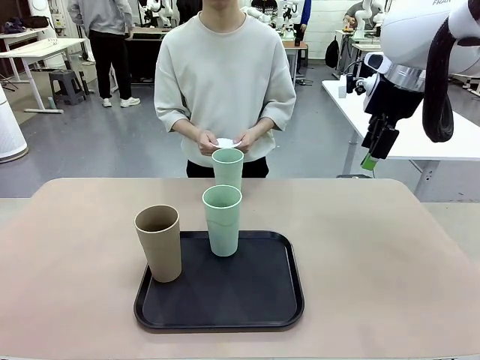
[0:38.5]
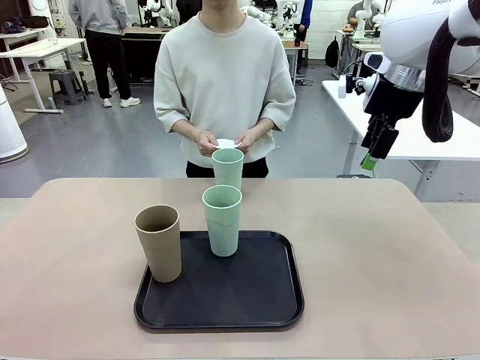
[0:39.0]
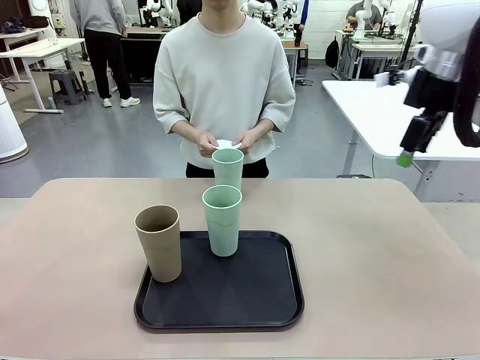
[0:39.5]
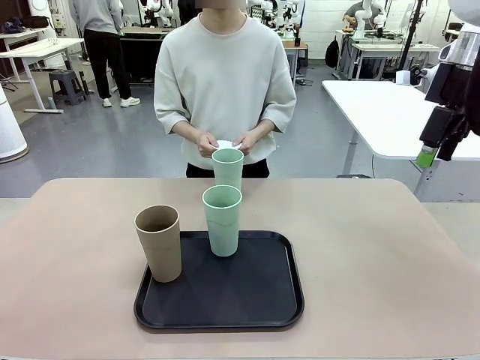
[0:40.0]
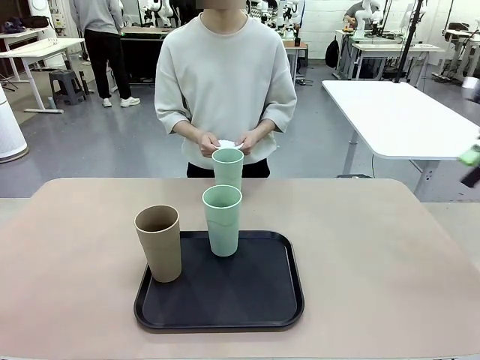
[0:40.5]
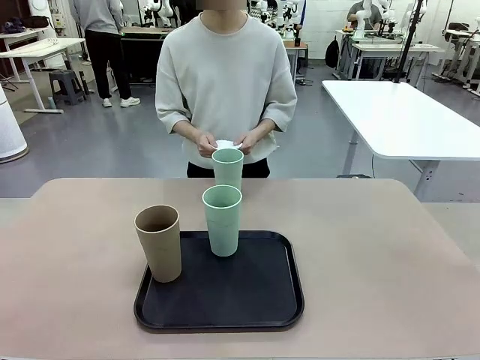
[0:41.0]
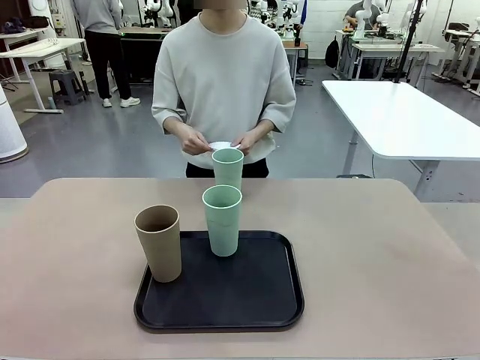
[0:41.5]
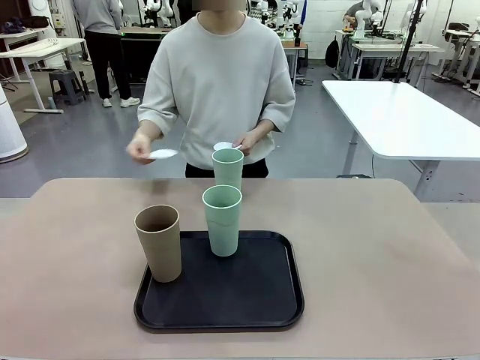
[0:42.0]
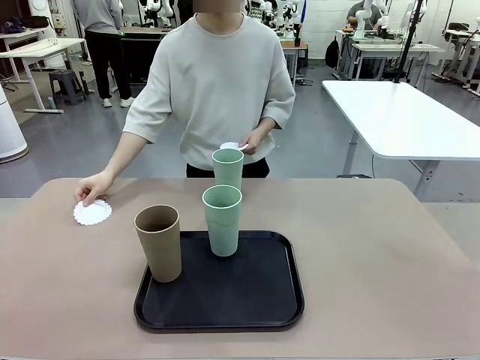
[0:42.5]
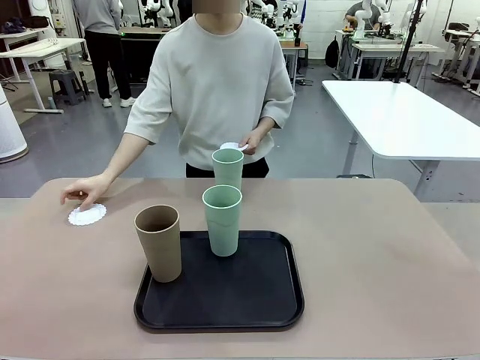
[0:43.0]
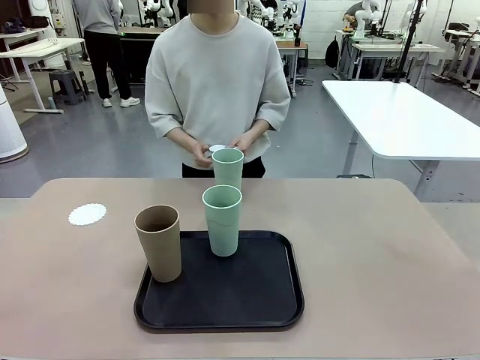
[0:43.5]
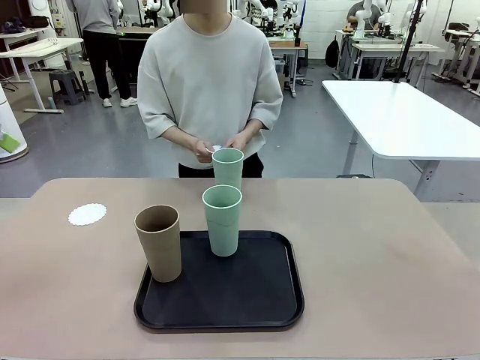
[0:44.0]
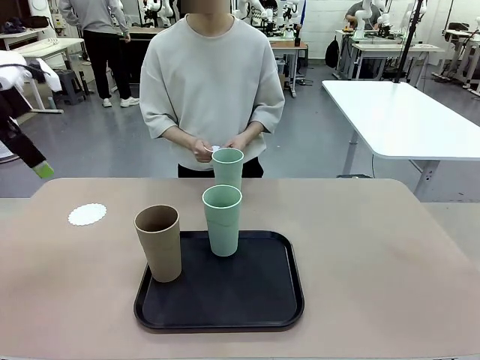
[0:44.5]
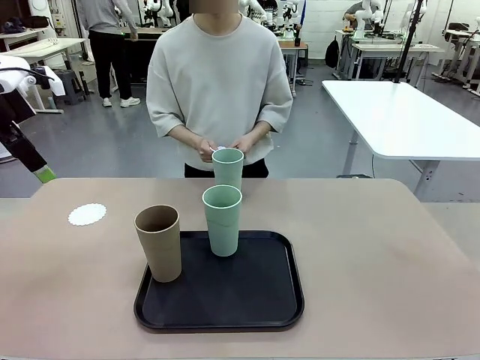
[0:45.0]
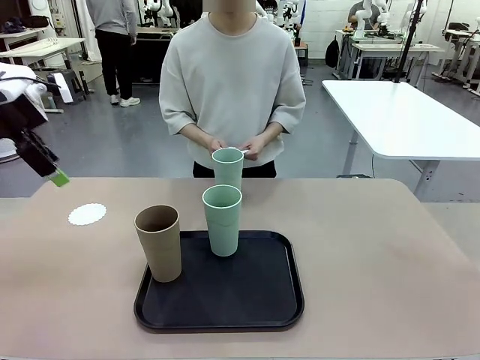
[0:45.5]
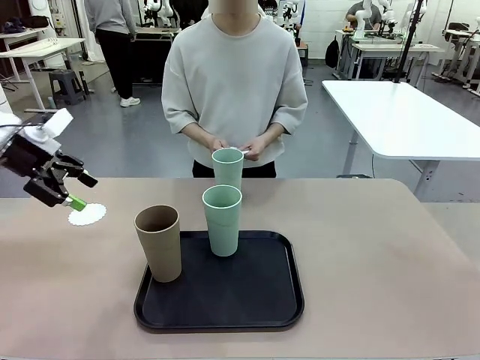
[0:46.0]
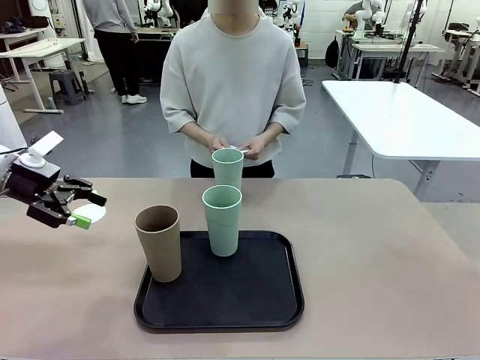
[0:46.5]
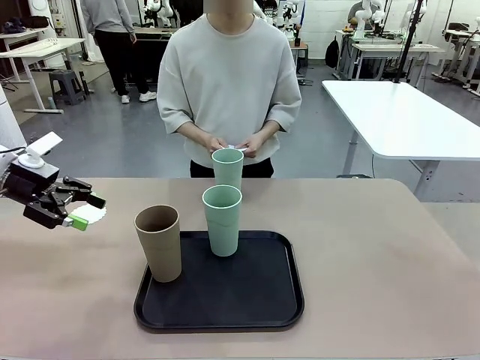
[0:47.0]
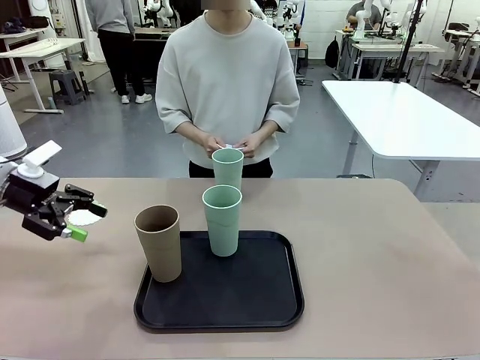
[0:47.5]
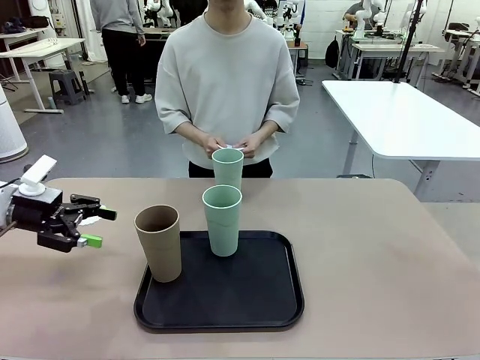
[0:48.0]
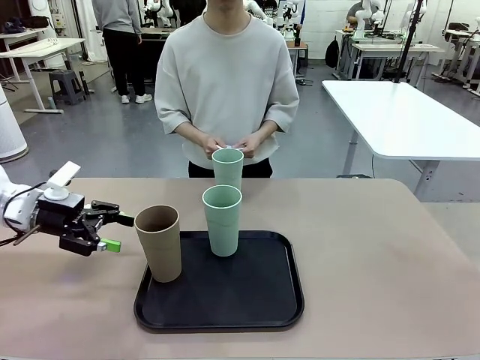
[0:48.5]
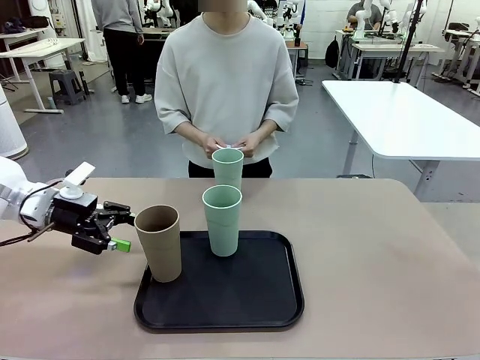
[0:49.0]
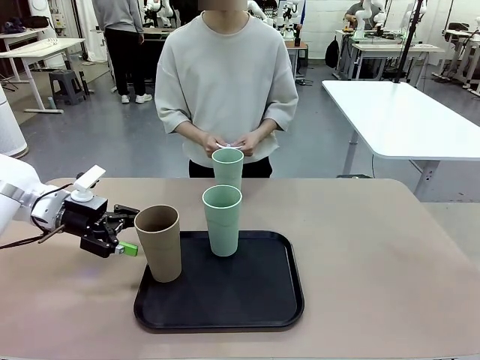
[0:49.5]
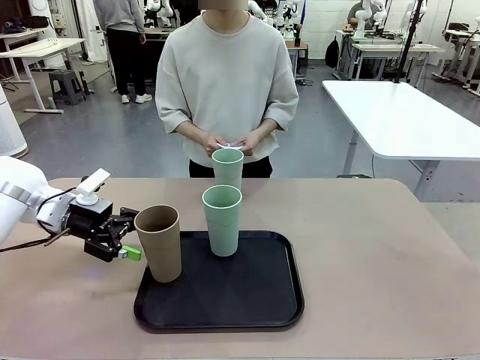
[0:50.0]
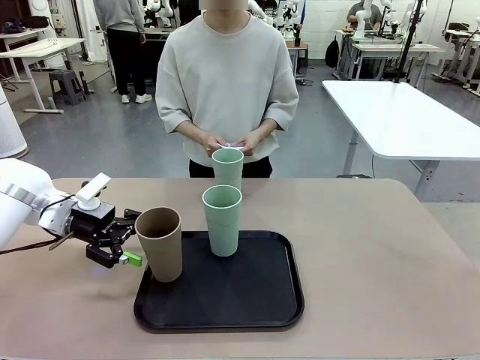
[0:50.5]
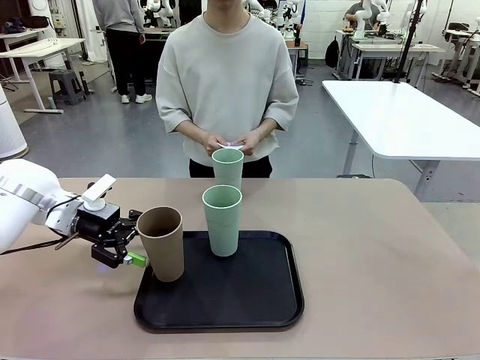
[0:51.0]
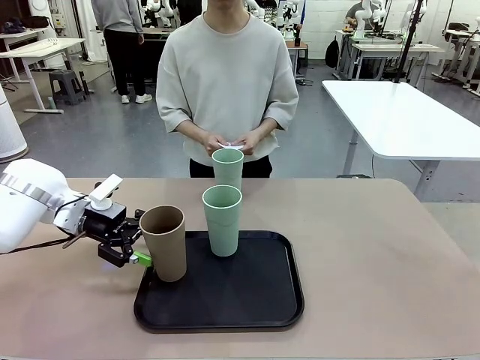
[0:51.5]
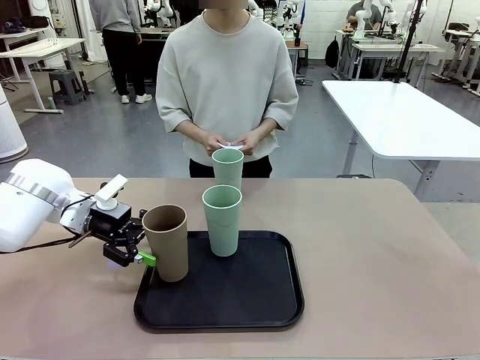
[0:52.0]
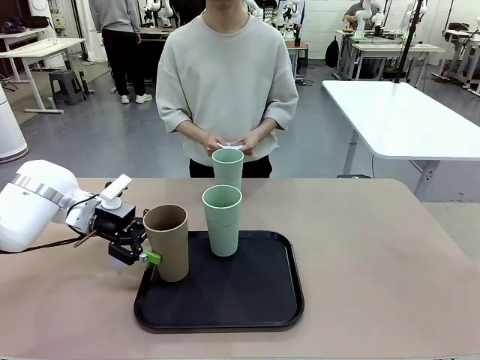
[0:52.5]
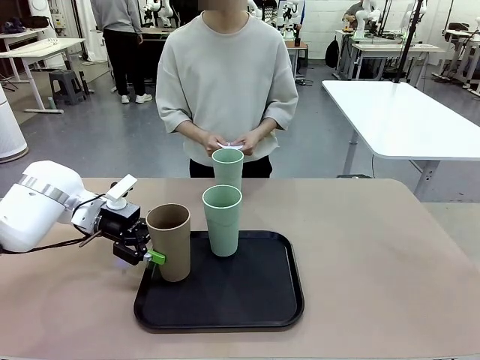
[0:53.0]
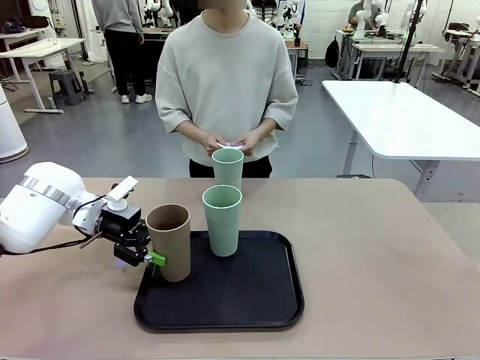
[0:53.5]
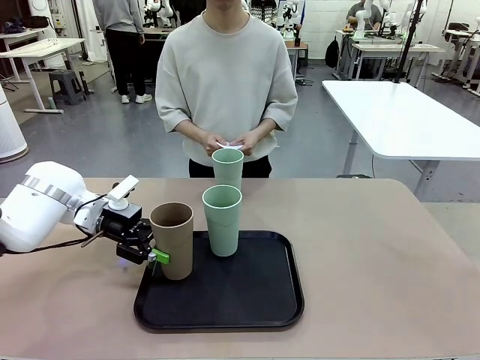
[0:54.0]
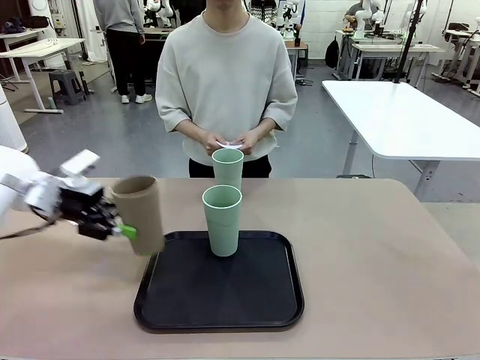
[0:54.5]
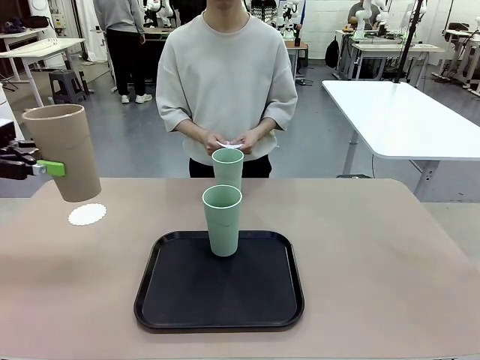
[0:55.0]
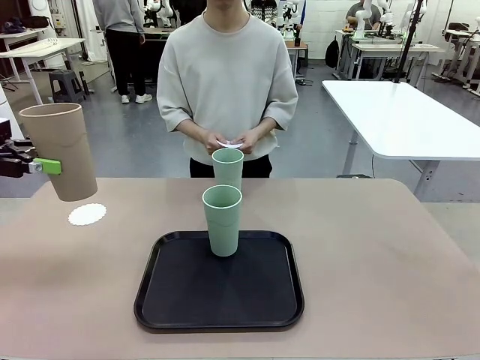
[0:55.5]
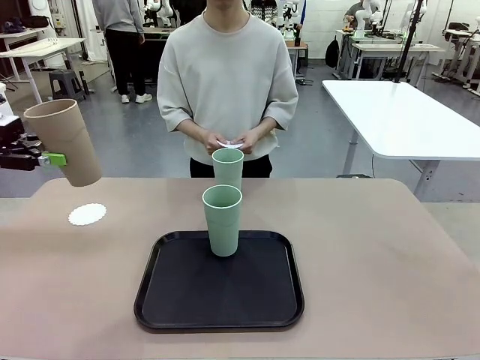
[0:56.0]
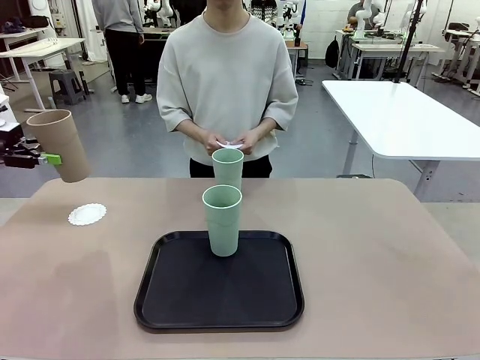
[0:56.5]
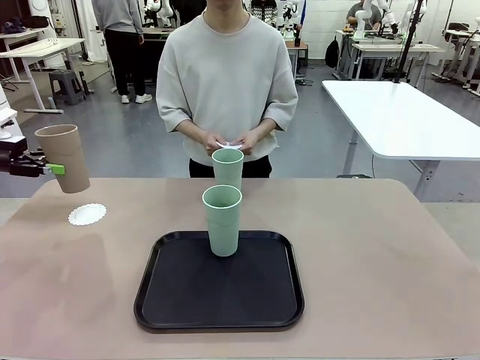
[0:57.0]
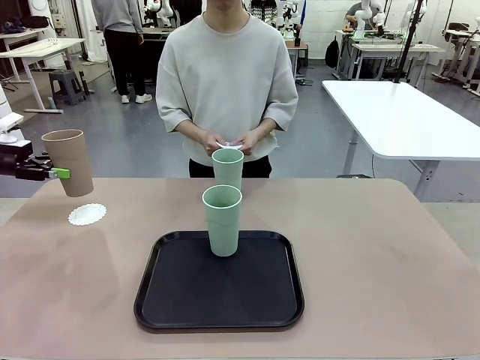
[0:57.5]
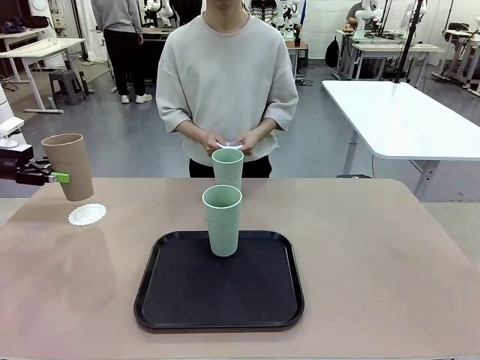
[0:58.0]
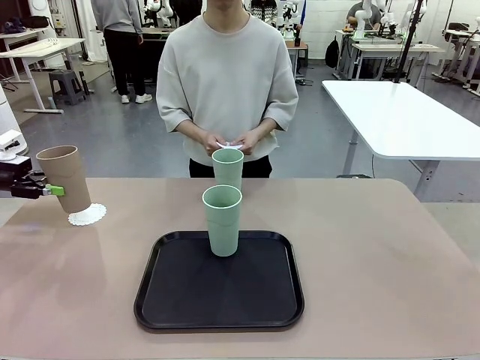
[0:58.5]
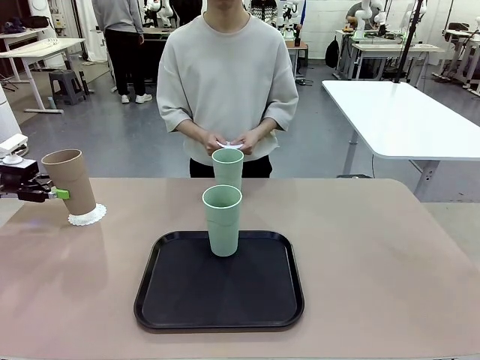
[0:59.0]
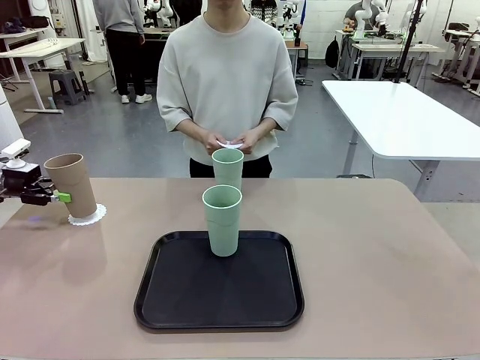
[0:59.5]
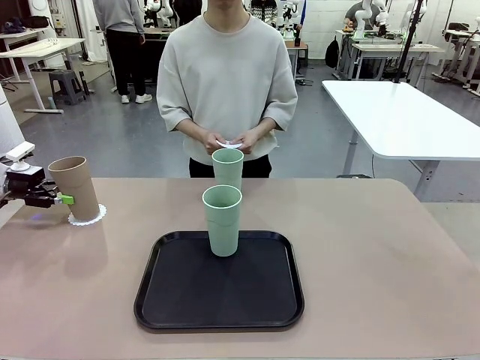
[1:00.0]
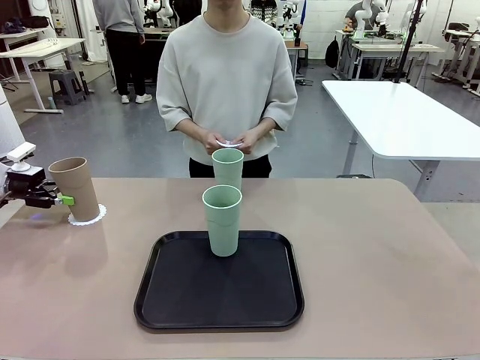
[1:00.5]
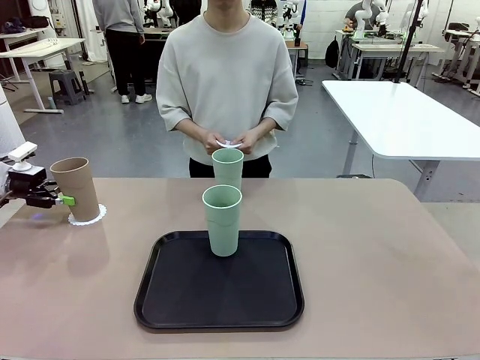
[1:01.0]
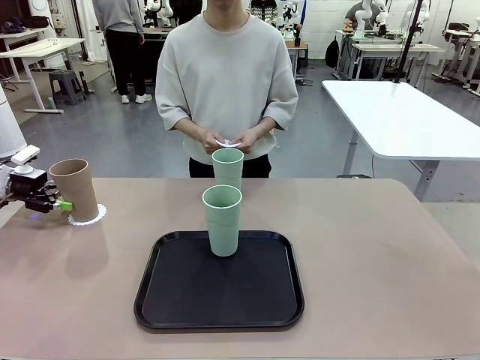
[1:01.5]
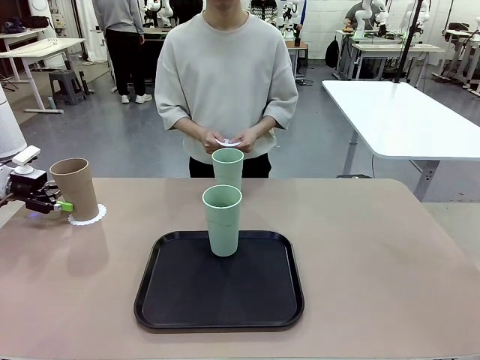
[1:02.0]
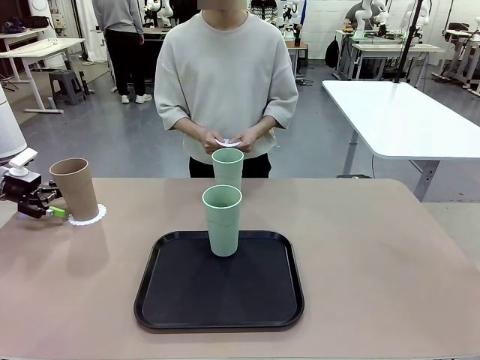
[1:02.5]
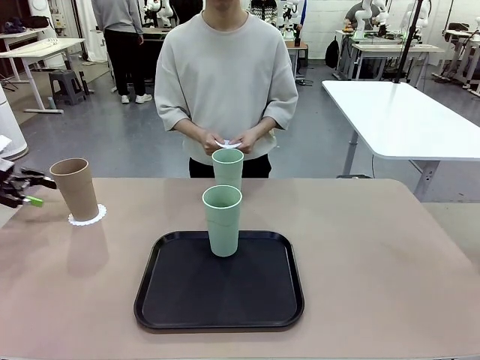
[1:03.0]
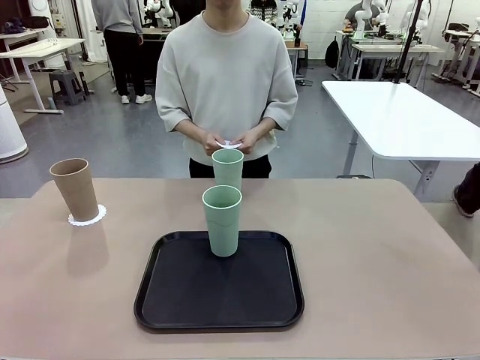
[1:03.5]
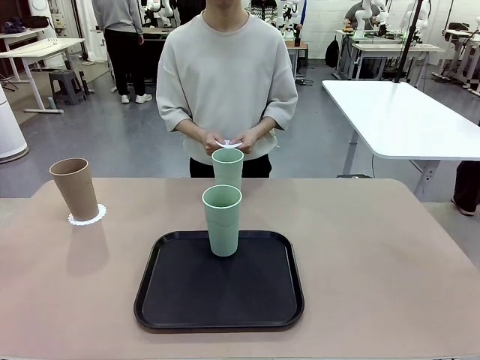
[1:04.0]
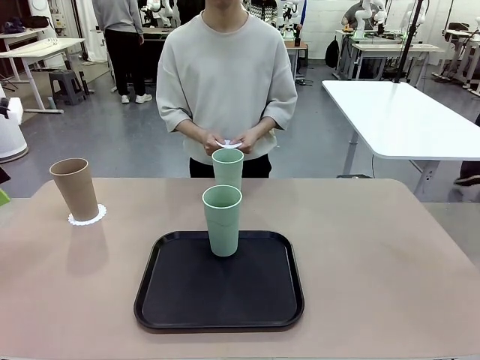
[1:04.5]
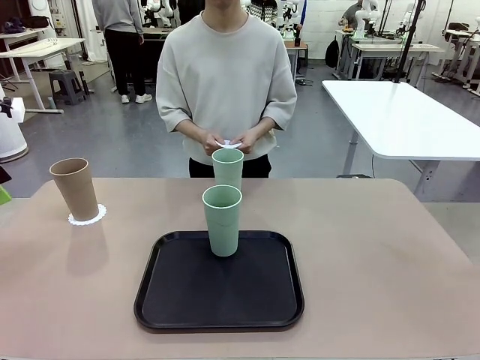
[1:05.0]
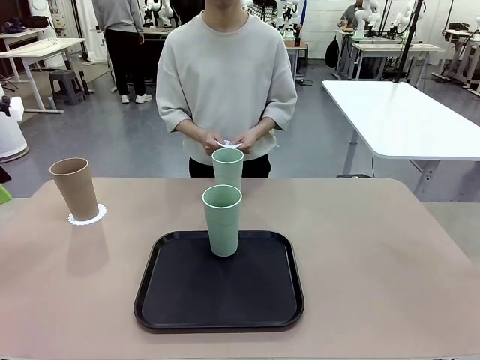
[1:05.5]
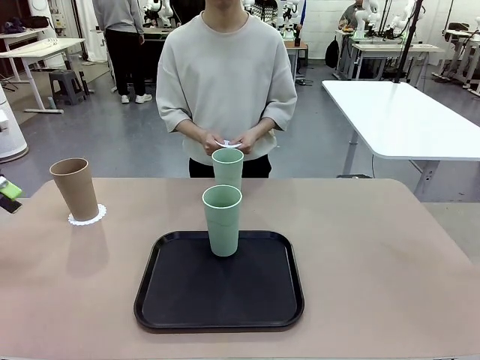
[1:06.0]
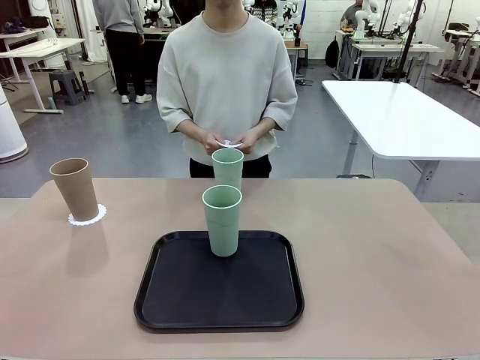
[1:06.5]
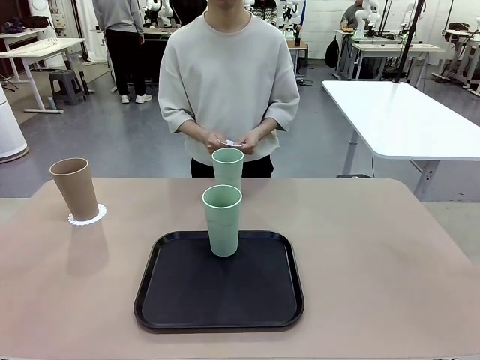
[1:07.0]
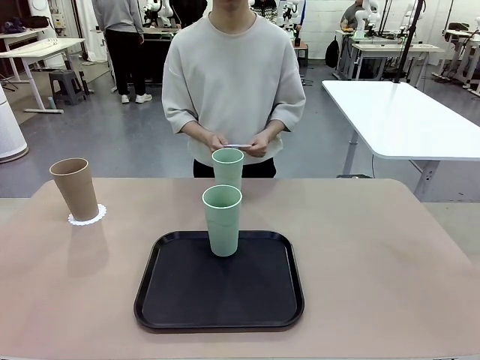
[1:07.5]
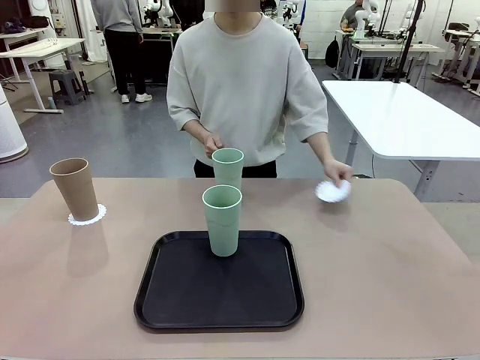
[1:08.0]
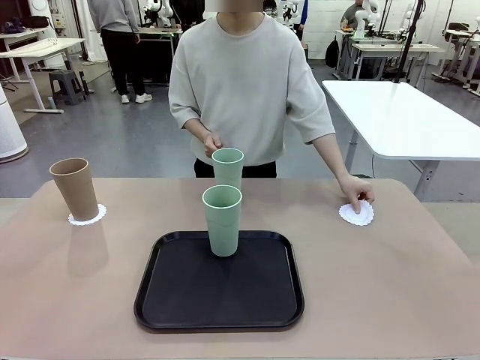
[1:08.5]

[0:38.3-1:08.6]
Task: Place coasters on the table and set cups on them.
Robot: Take one Reusable plastic cup from the Flat Tray and place it on a coaster set by the human.
